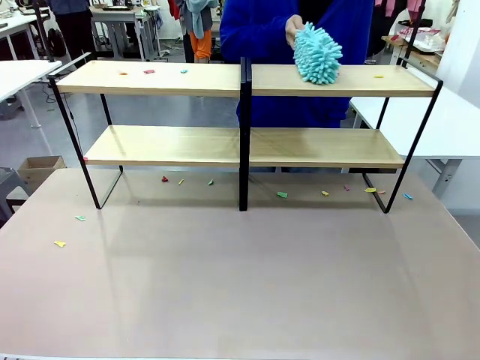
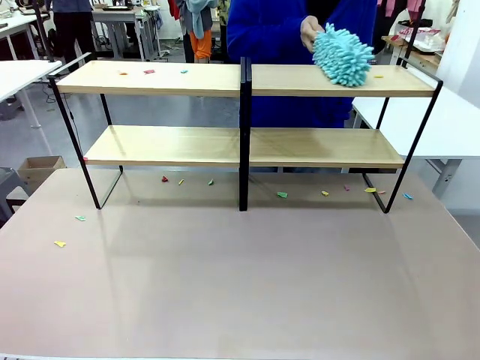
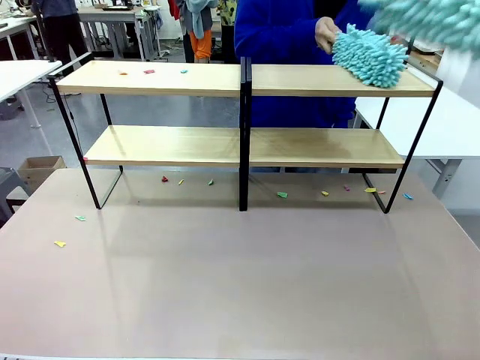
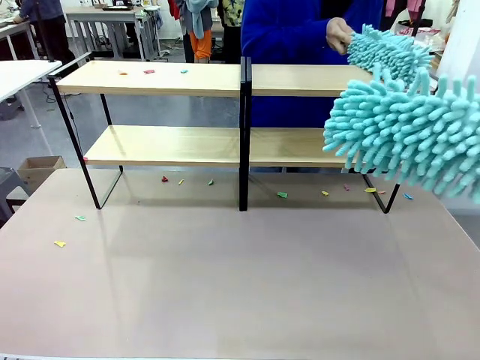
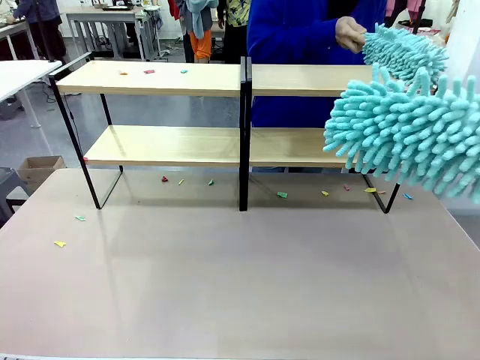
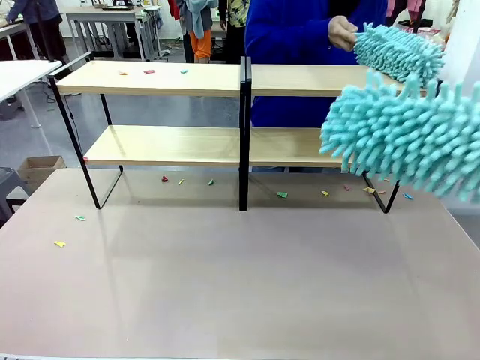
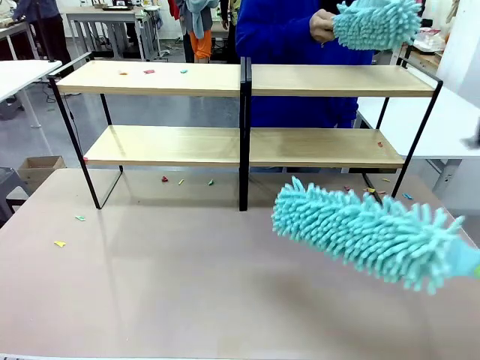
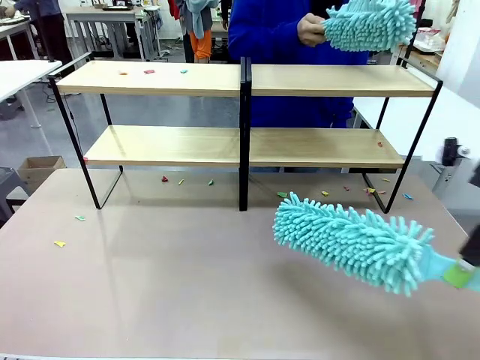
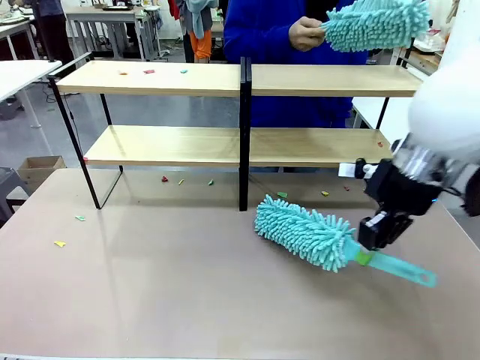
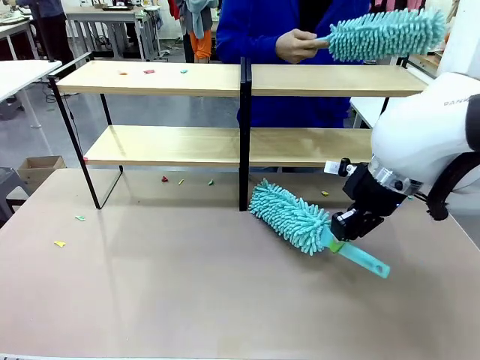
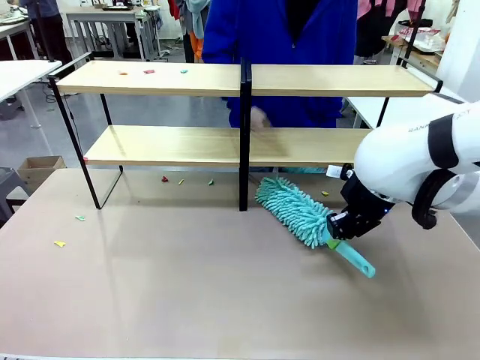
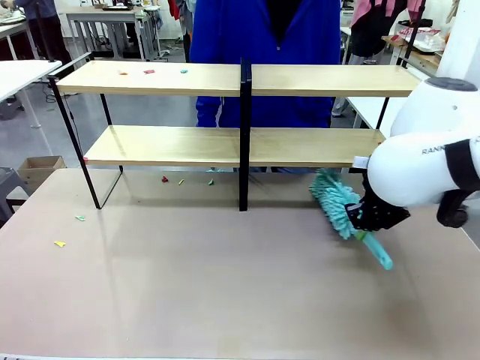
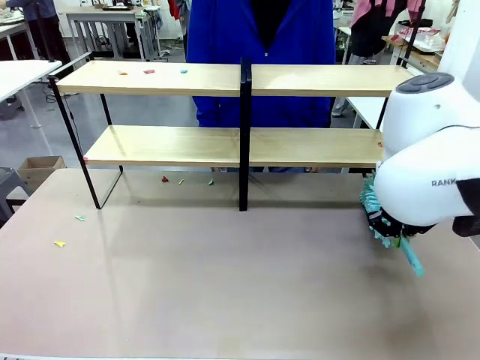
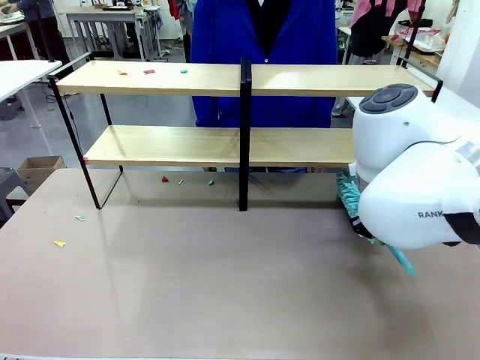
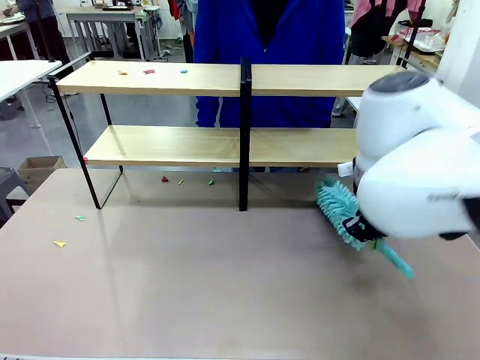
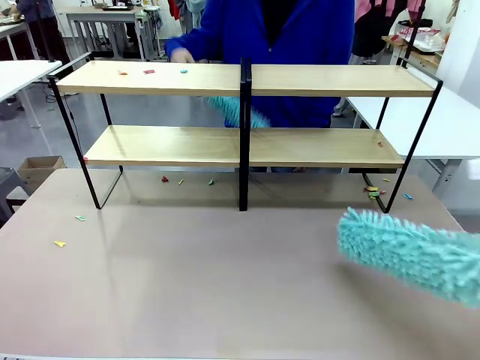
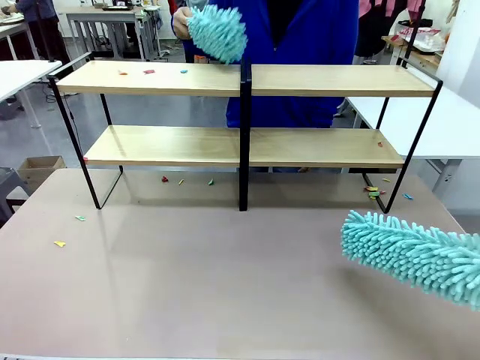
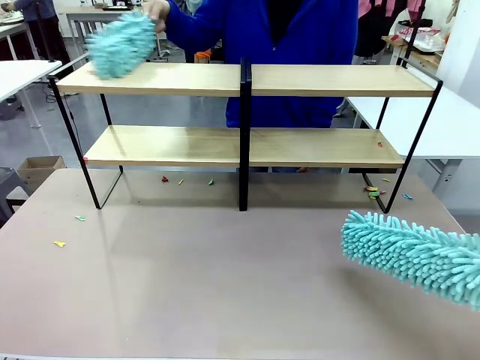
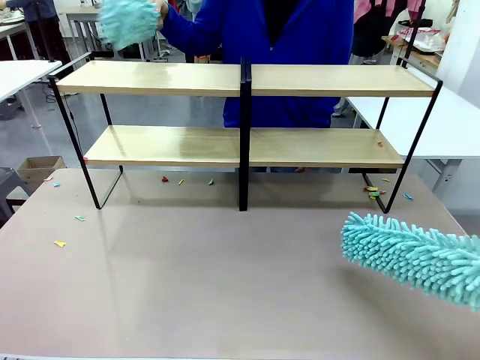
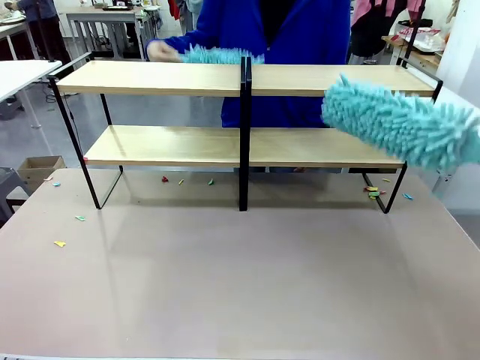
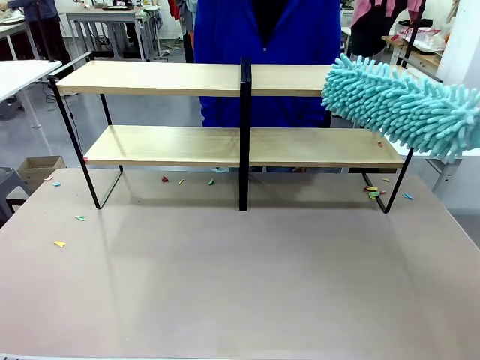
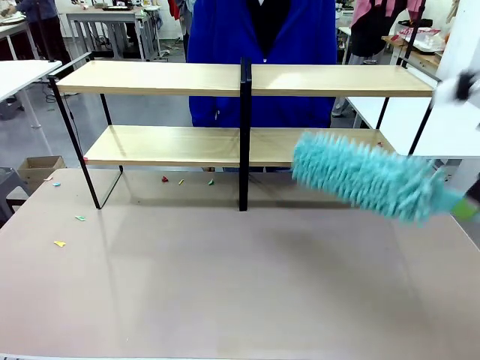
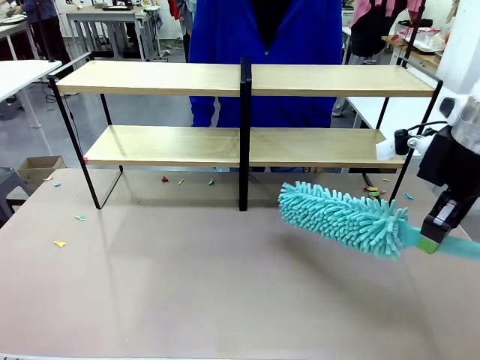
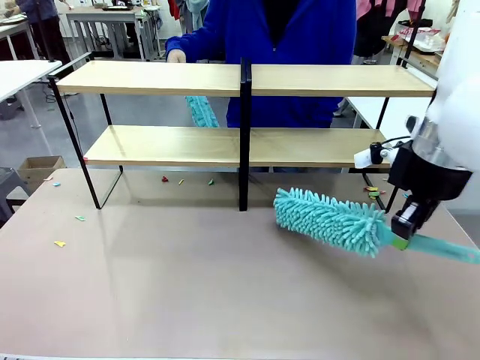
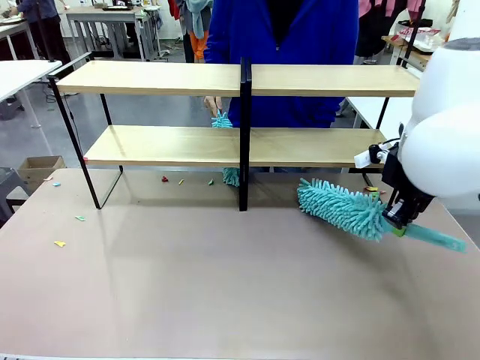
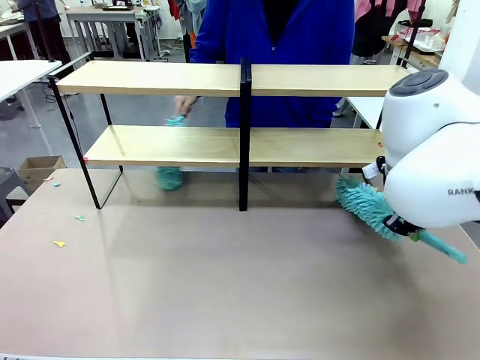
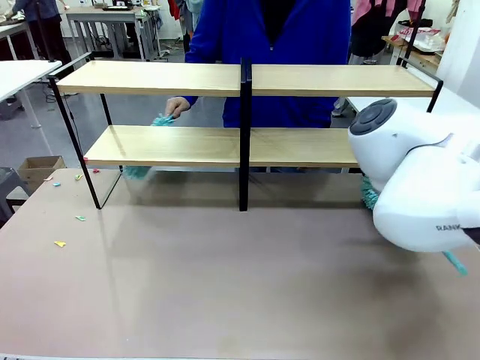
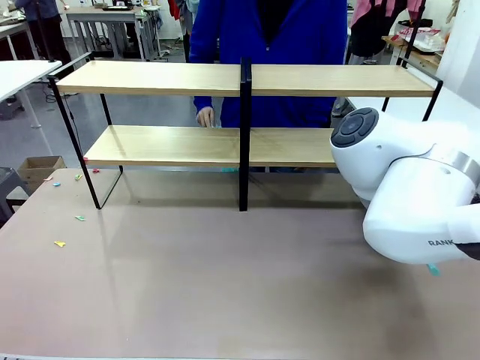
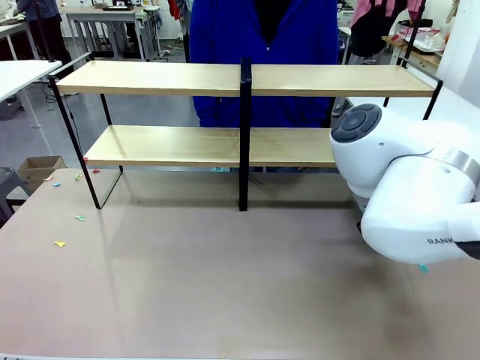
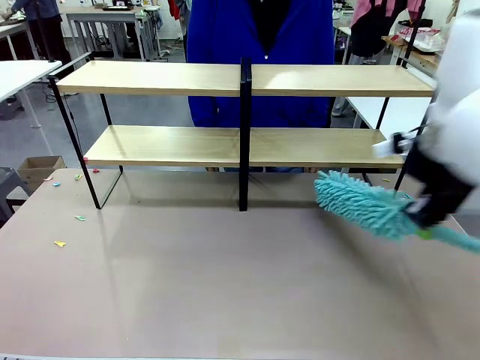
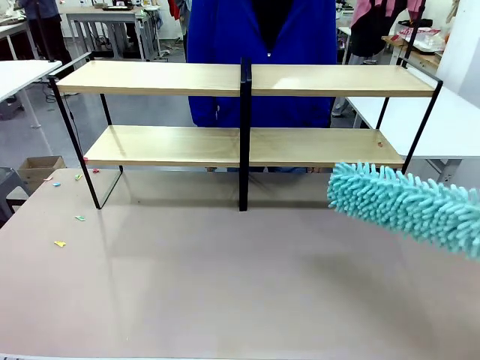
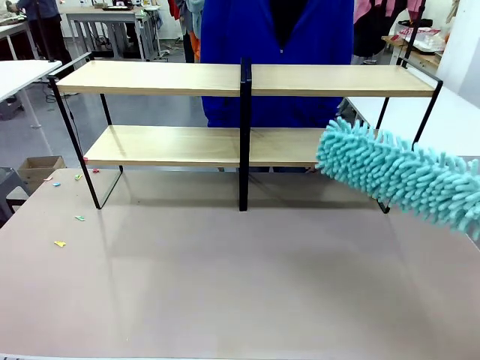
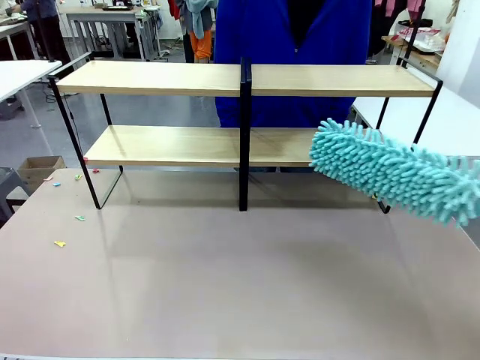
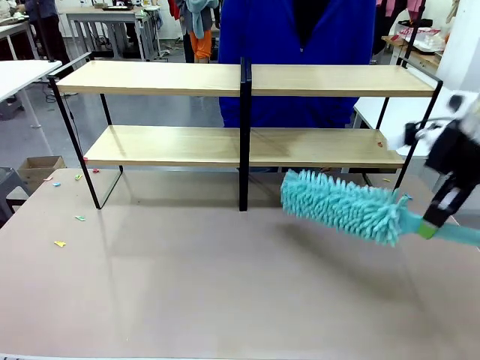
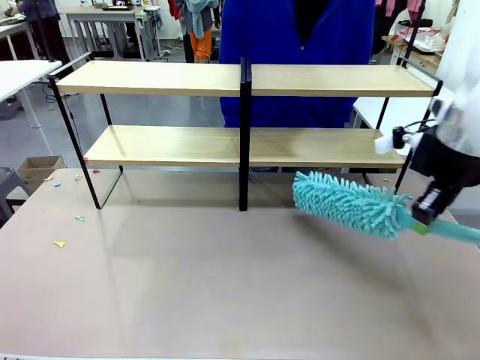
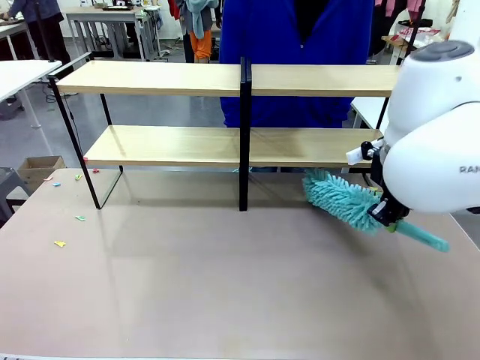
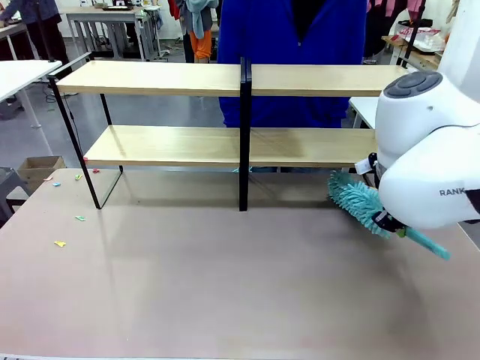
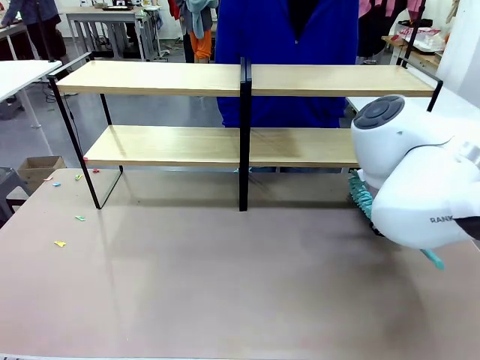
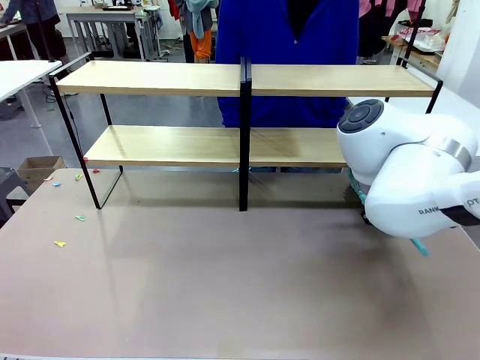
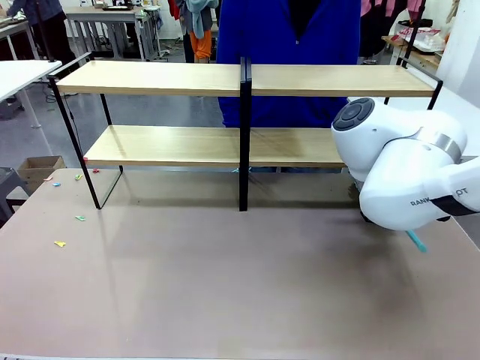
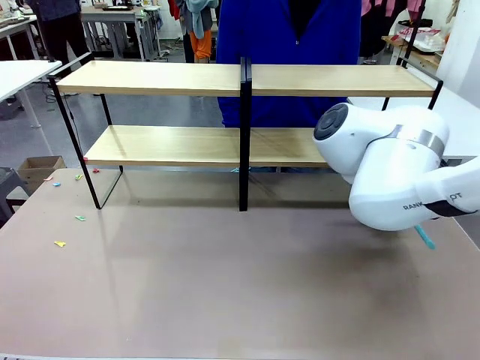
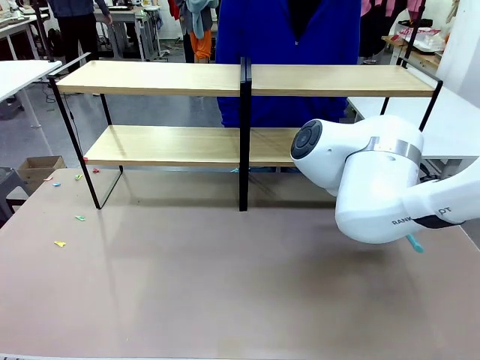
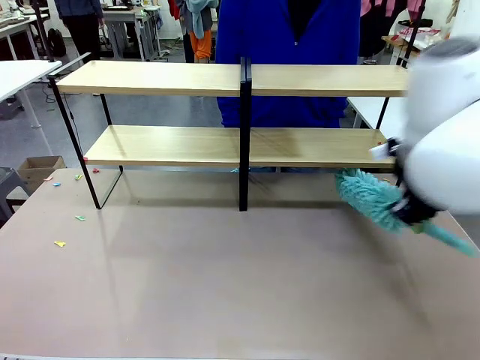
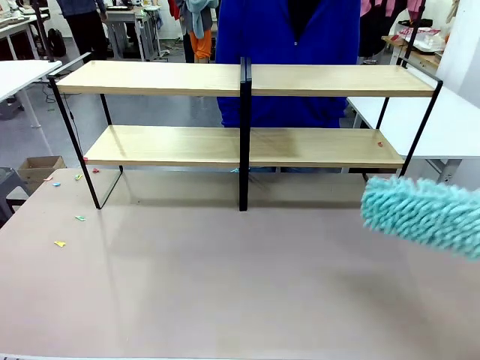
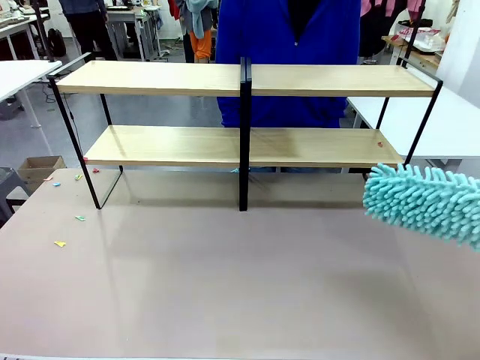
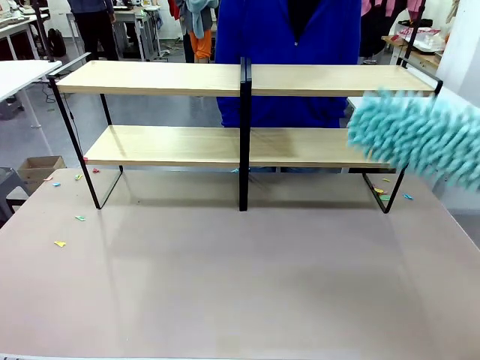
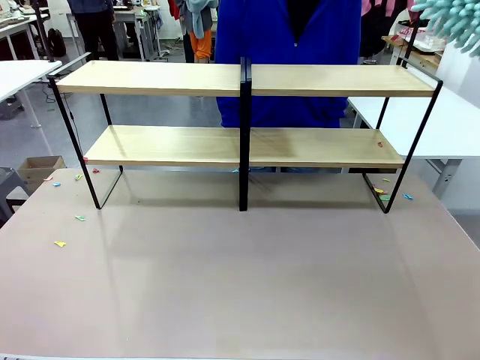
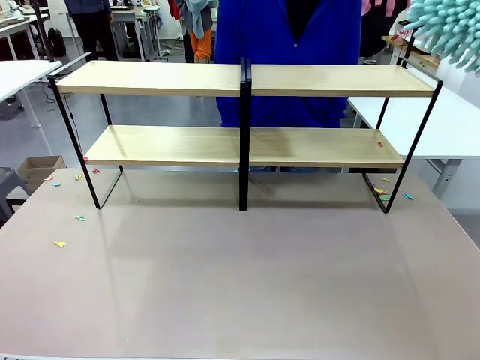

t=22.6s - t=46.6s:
Task: Clean the shelves.
Robot: Clean another randomly selected level of the Shelf with the Duster.
Person: Clean a randomly selected level of the Shelf with the Duster.

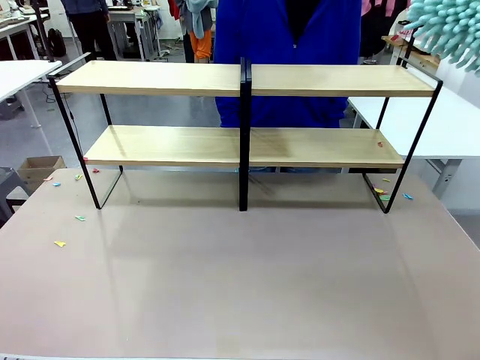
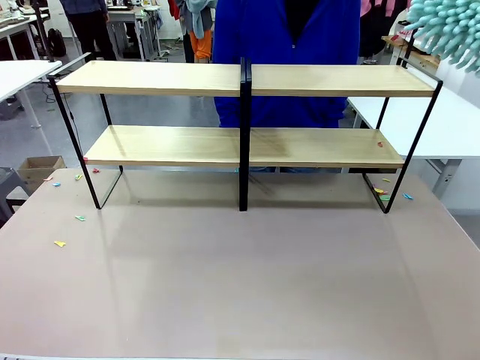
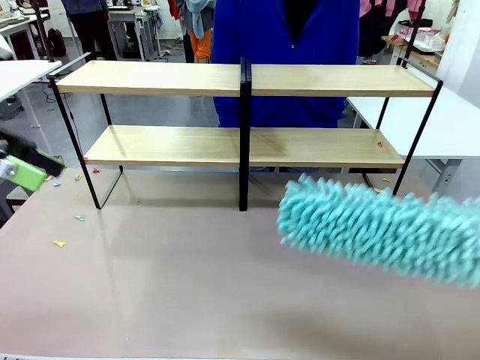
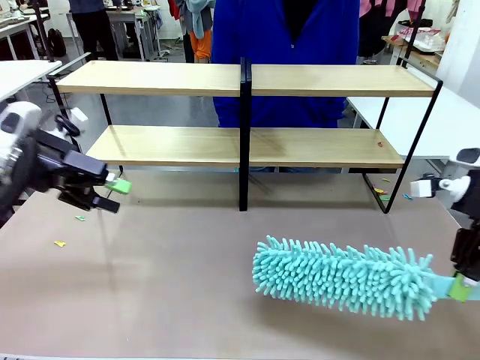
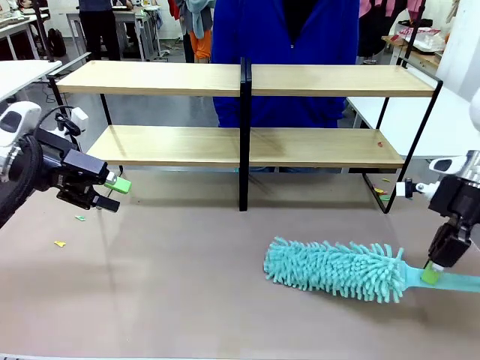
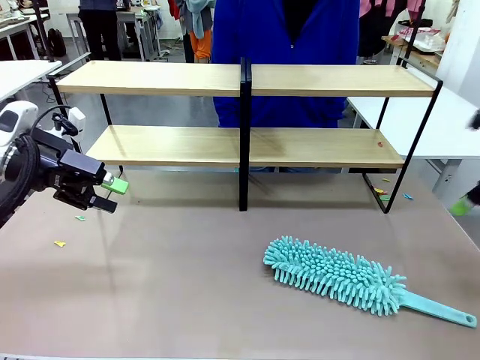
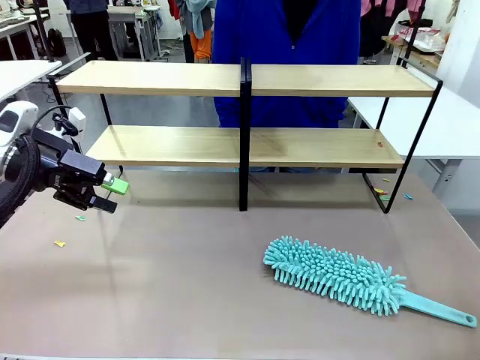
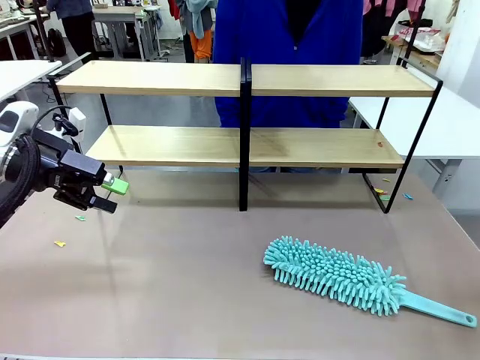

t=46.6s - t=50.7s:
Robot: Place the Duster on the table.
